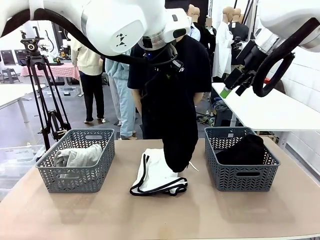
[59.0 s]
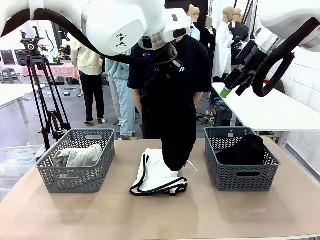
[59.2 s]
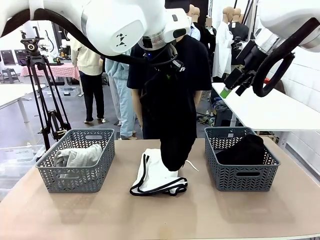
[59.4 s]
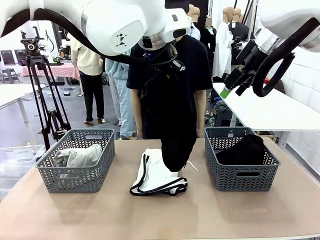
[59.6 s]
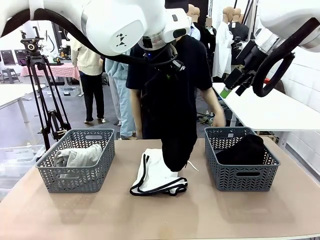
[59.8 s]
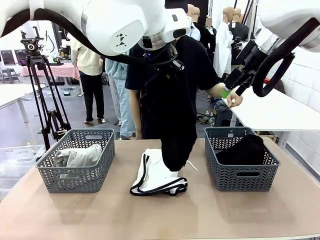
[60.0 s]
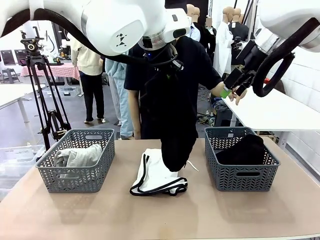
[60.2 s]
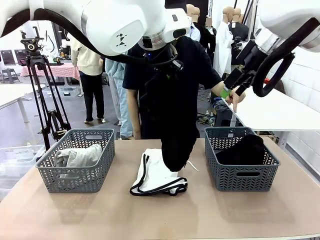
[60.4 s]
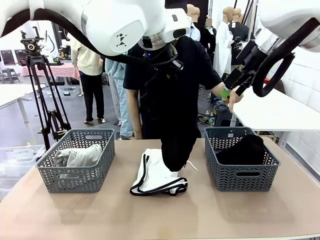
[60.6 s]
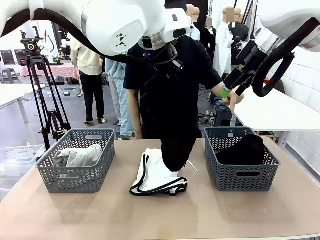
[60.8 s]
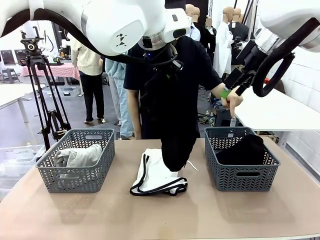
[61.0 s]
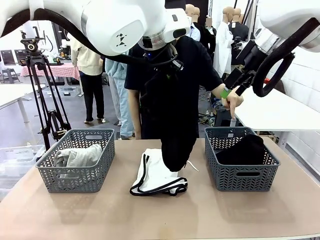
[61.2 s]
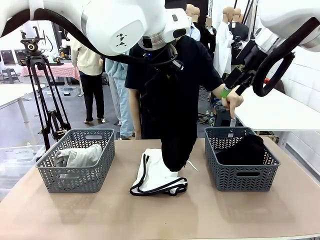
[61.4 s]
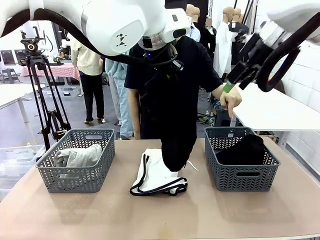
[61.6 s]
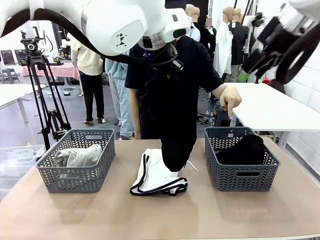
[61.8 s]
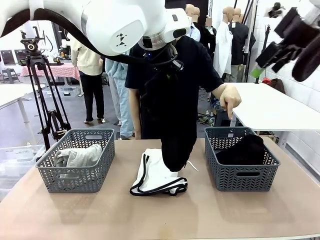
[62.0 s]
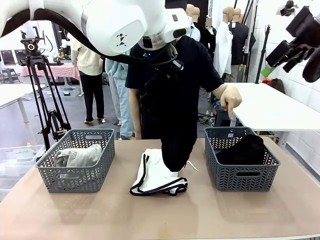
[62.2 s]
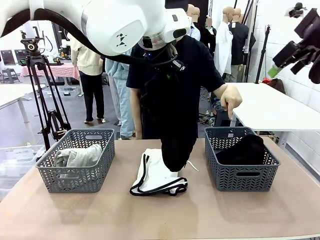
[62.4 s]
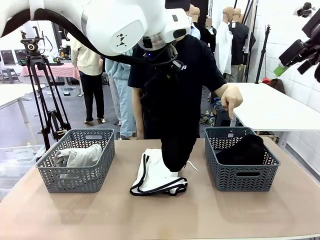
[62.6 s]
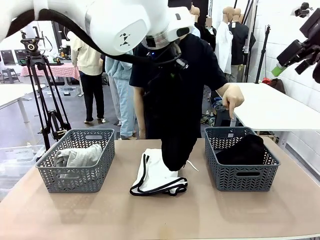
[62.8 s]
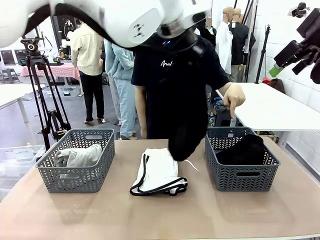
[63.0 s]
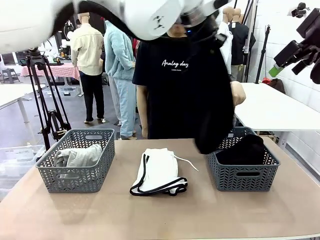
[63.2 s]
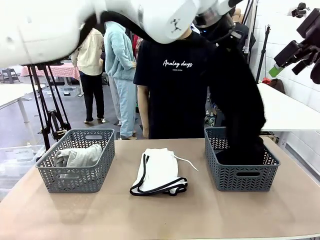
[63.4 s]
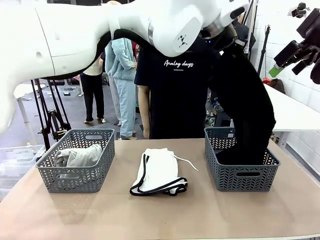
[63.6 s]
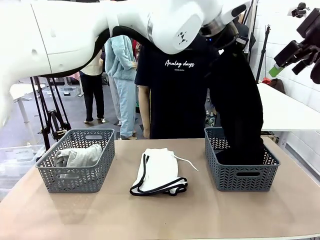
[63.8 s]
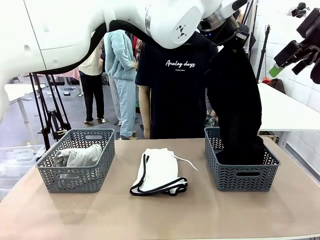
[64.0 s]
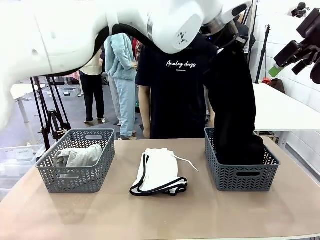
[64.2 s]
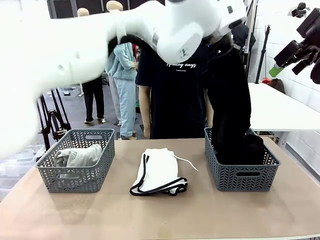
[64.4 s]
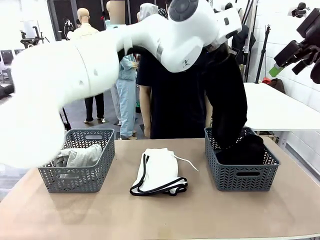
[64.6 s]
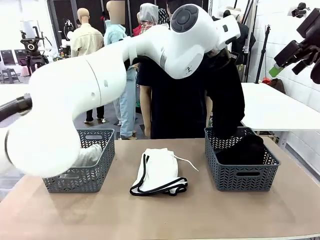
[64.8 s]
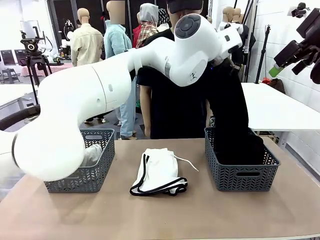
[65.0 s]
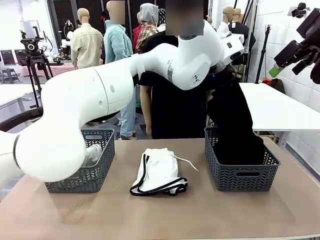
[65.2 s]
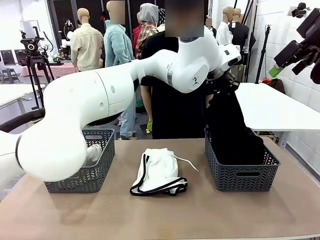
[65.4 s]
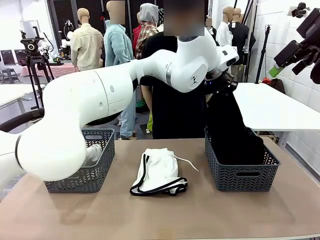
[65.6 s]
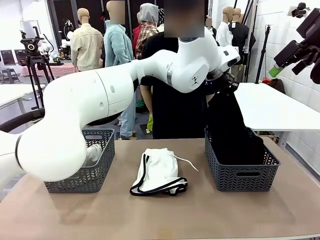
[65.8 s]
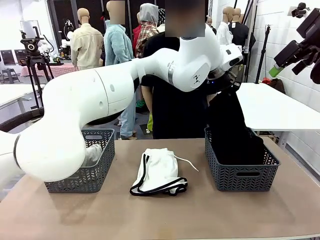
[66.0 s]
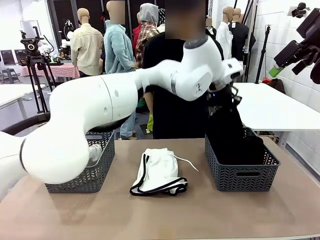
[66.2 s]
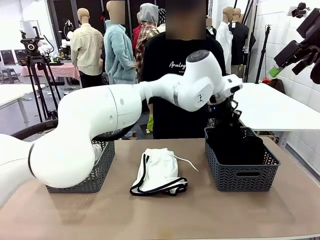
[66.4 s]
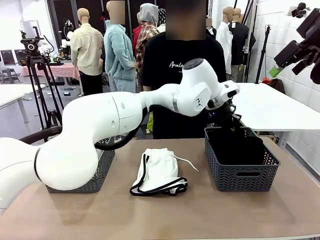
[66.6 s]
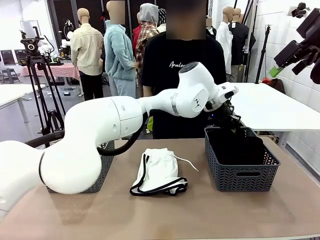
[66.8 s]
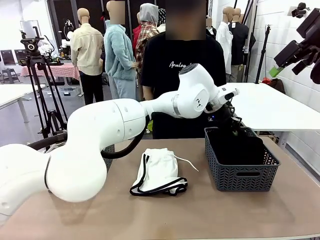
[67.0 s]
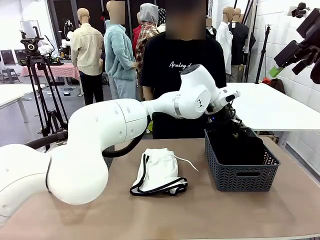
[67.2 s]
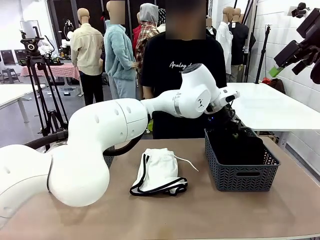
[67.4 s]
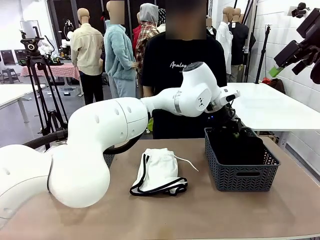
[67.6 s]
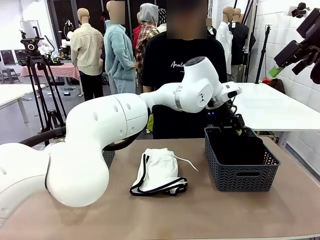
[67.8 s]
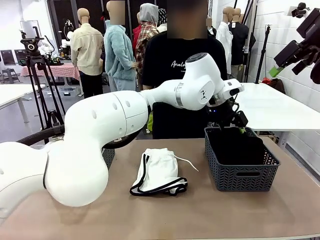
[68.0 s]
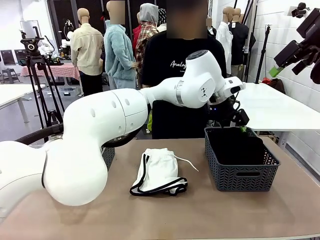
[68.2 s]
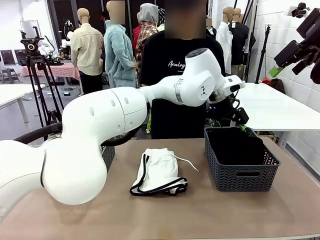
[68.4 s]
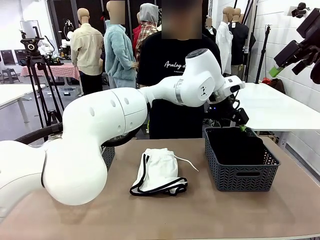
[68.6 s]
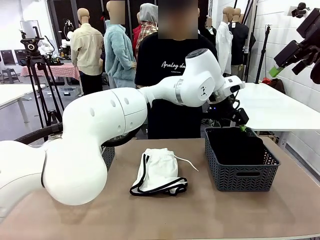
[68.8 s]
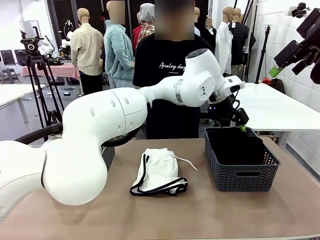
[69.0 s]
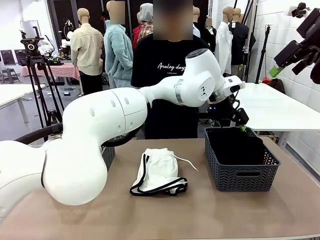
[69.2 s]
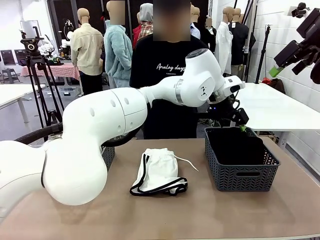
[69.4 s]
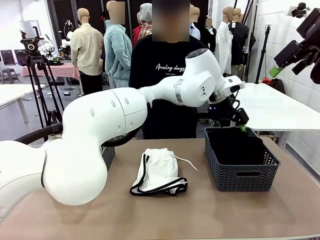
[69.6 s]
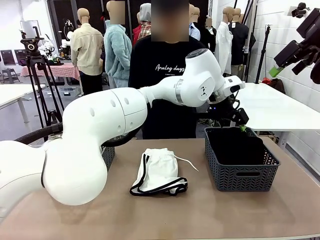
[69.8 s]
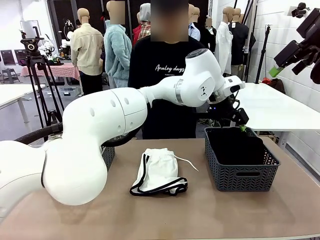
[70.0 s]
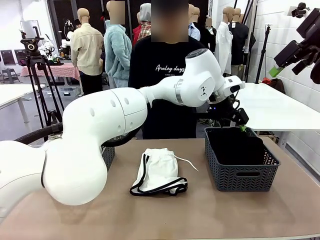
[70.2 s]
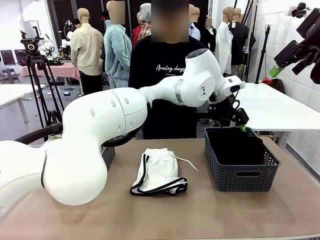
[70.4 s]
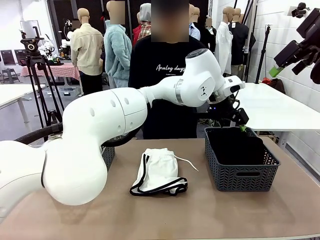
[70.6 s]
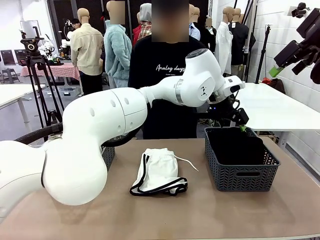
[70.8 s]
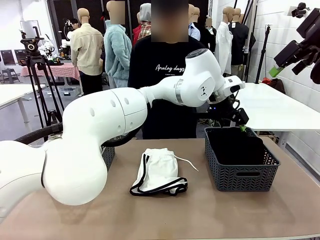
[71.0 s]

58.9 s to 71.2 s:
Task: Sort the tops and bottoms.
Robot: Sort the clothes according to human instructions.

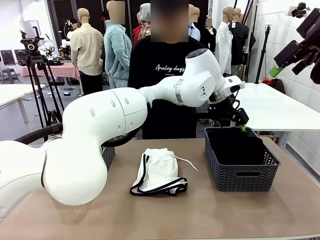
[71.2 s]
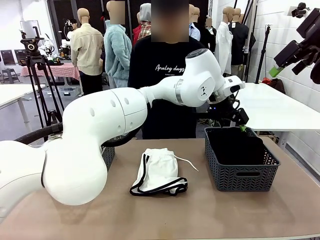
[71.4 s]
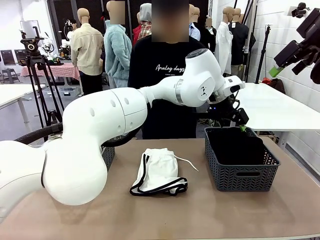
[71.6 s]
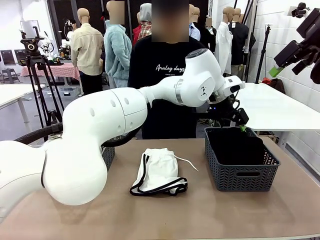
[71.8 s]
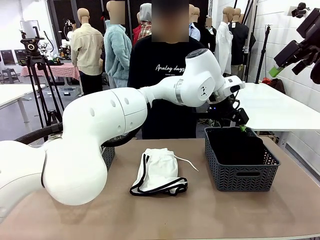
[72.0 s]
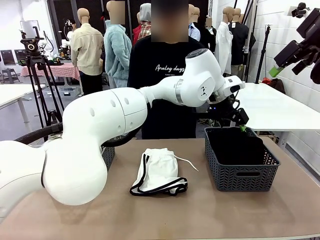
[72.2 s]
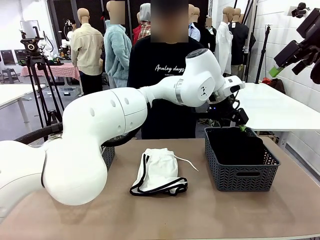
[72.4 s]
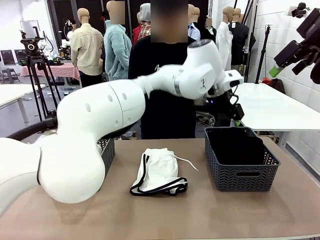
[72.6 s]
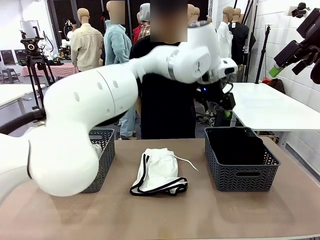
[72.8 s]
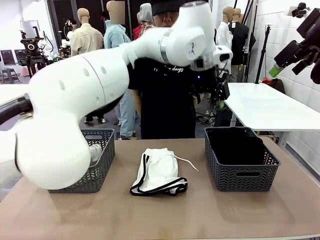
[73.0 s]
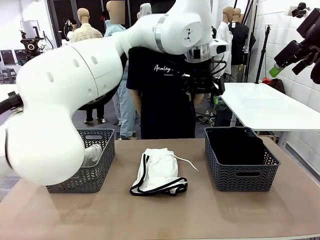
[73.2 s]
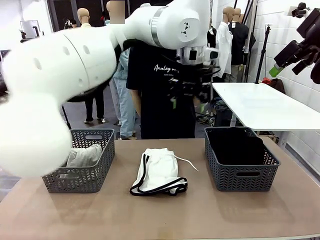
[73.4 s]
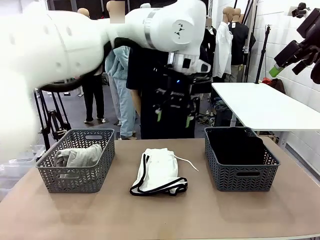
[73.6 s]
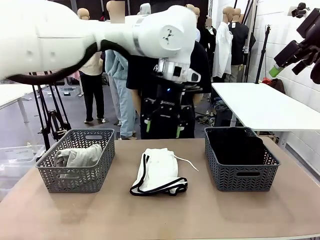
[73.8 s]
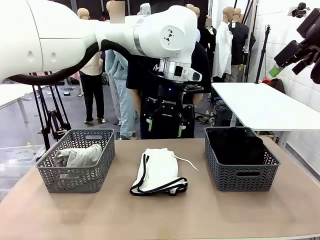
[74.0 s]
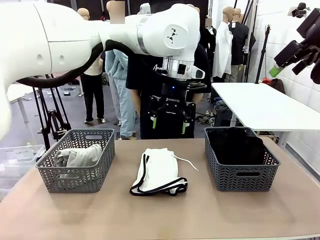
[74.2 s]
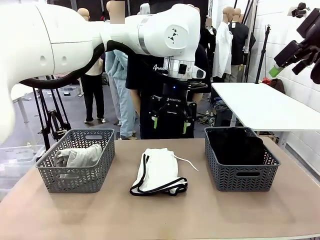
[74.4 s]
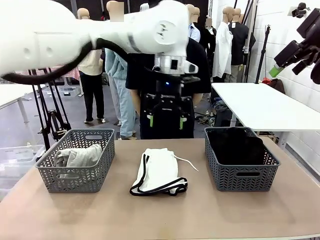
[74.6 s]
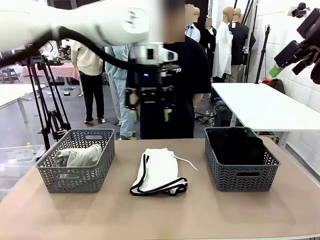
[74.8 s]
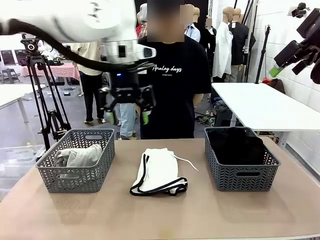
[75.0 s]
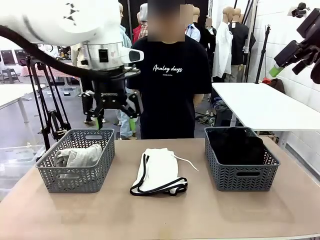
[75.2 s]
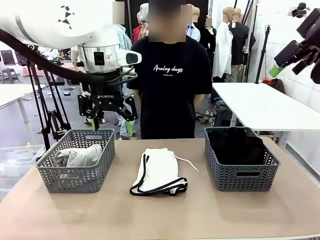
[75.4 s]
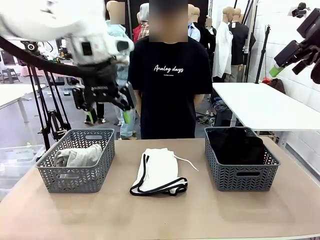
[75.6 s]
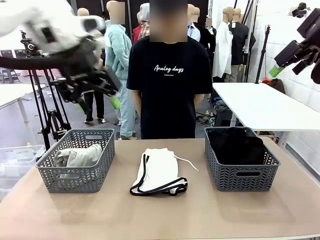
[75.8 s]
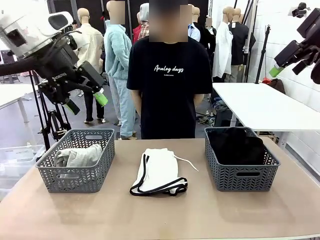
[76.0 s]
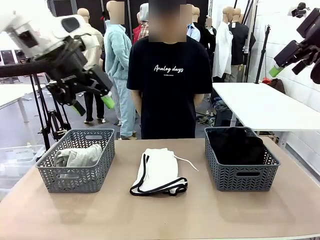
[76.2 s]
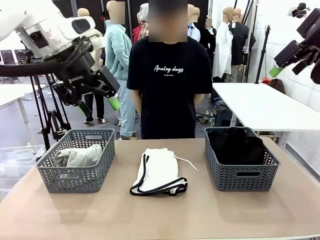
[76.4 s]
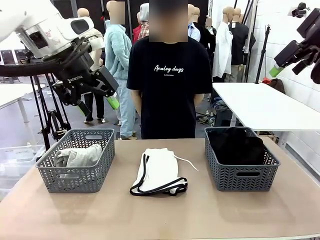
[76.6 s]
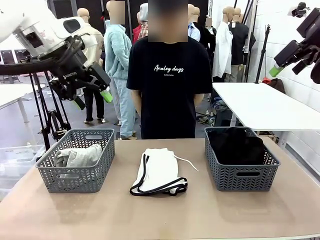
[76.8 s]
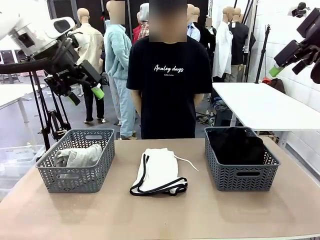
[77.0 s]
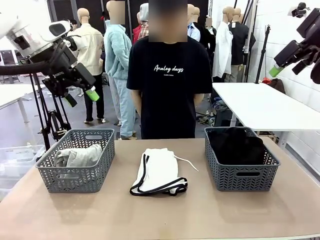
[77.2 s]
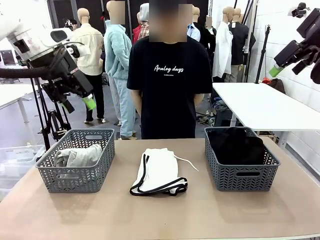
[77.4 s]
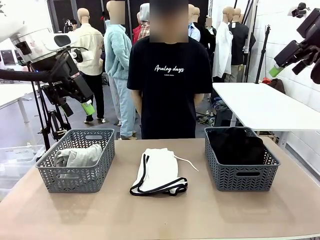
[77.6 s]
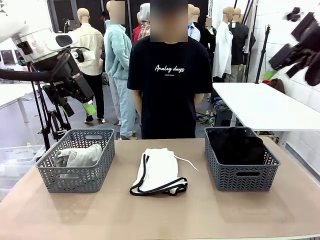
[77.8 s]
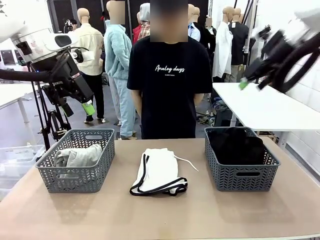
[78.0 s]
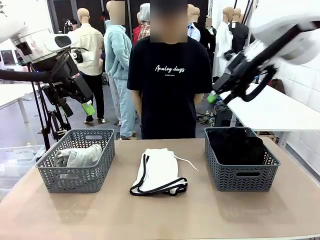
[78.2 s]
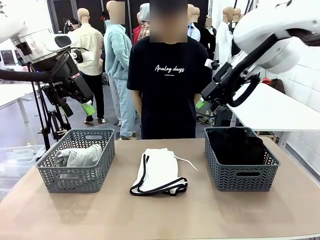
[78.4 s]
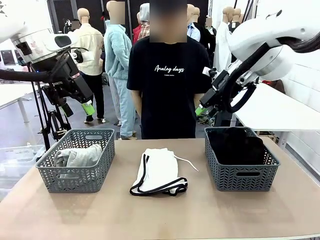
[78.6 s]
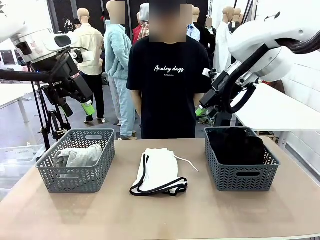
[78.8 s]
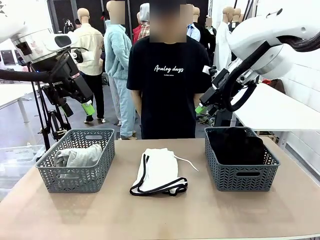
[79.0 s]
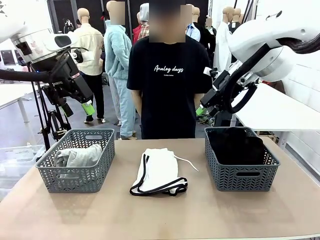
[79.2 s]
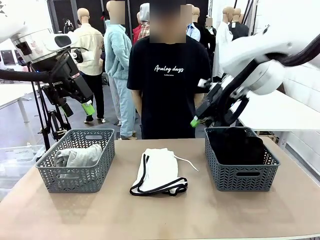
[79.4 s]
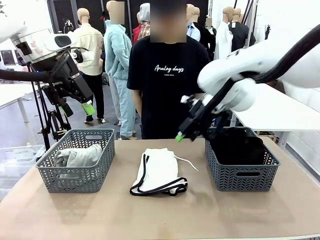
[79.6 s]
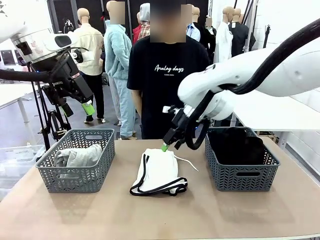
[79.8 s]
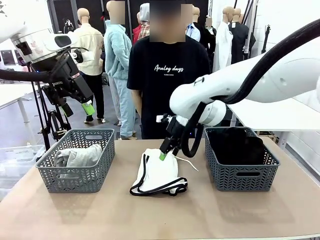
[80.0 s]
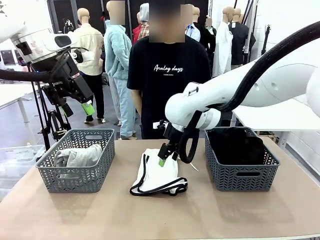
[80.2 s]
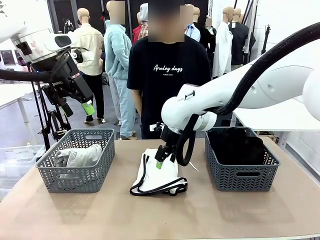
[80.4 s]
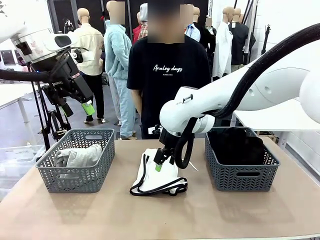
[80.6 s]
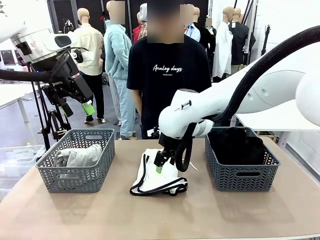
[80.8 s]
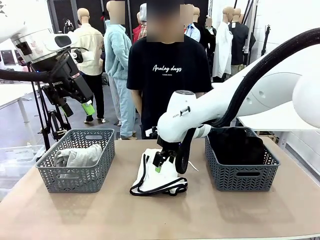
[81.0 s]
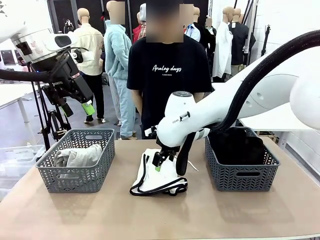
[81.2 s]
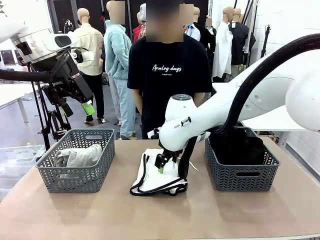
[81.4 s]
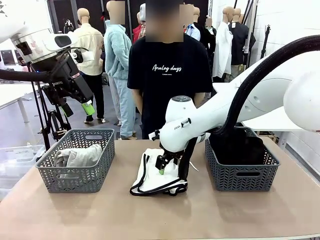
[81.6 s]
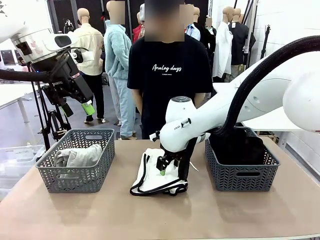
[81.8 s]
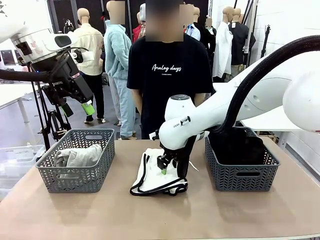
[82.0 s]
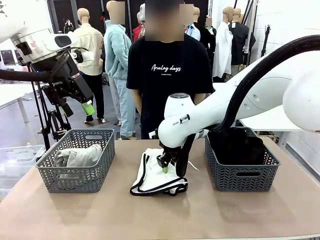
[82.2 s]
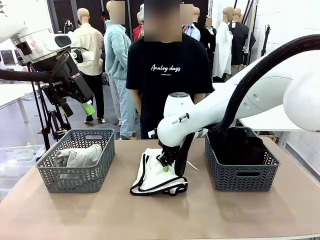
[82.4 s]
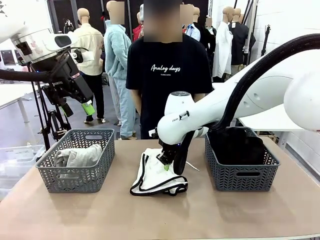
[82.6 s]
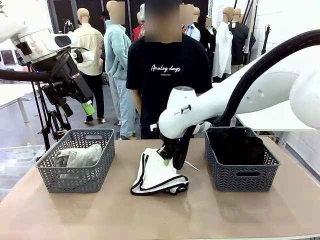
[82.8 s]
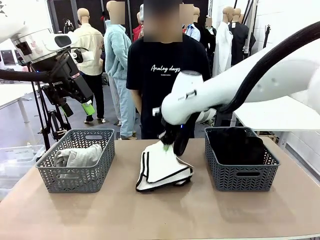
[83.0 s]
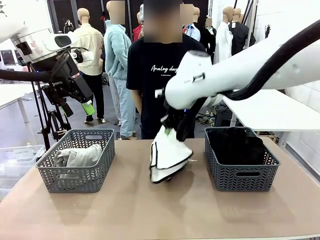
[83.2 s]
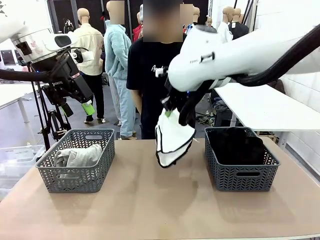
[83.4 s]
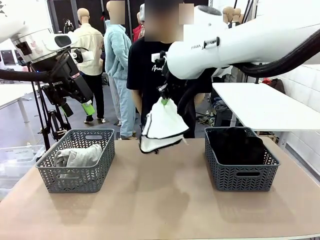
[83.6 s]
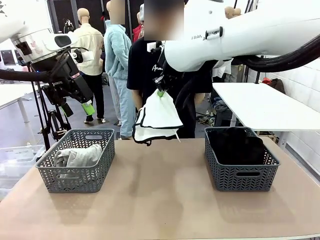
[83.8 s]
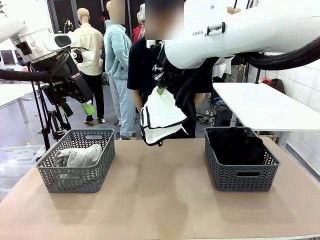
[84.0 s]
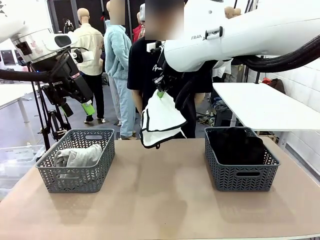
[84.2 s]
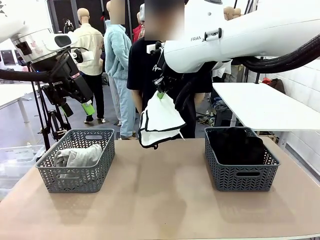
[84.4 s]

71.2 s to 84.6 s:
Robot: Lift clothes from the center of the table with your right hand.
